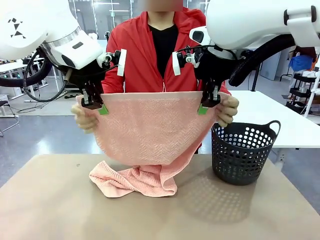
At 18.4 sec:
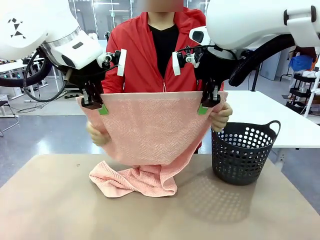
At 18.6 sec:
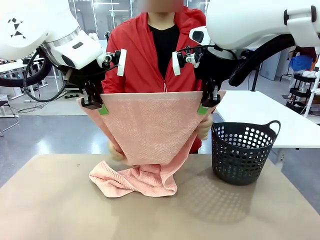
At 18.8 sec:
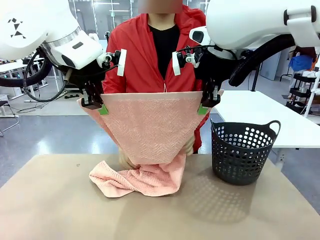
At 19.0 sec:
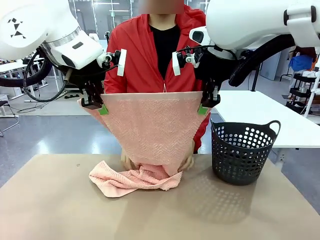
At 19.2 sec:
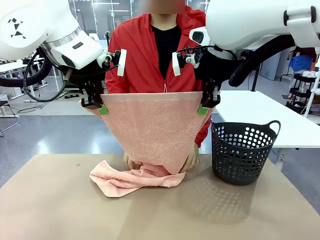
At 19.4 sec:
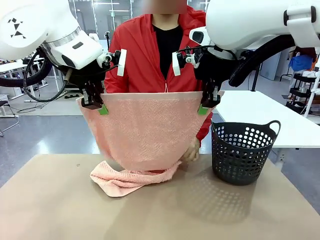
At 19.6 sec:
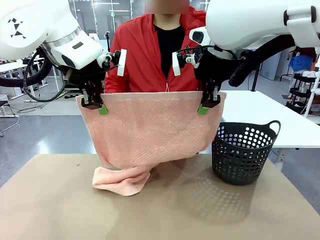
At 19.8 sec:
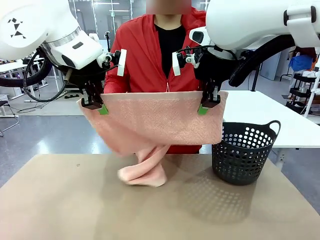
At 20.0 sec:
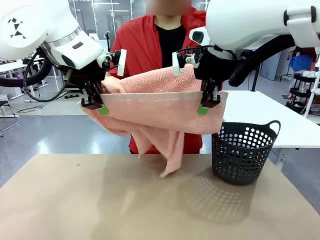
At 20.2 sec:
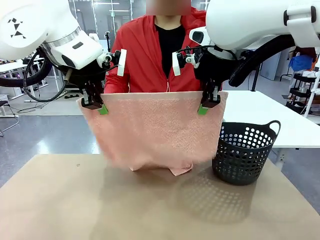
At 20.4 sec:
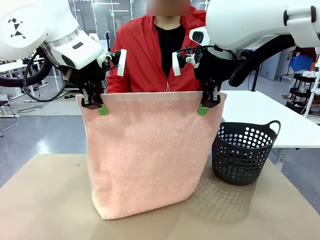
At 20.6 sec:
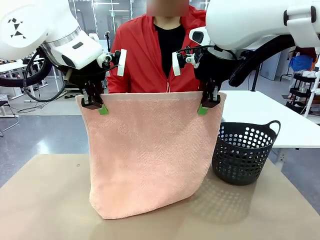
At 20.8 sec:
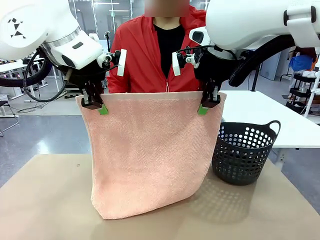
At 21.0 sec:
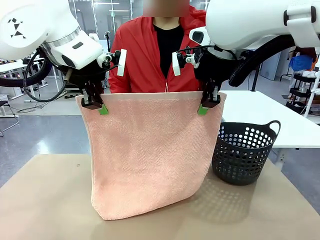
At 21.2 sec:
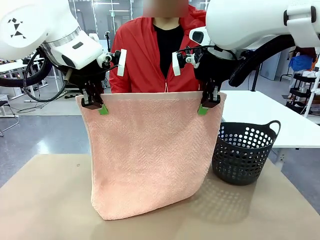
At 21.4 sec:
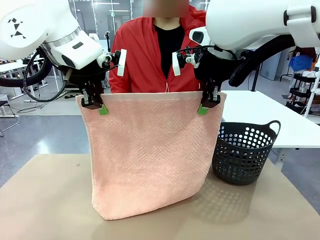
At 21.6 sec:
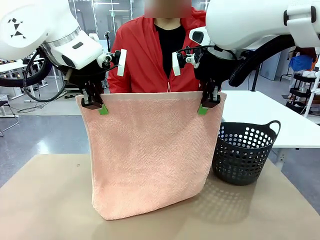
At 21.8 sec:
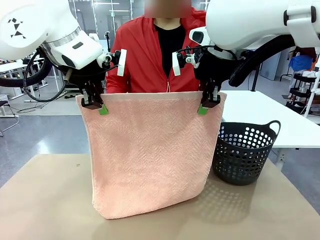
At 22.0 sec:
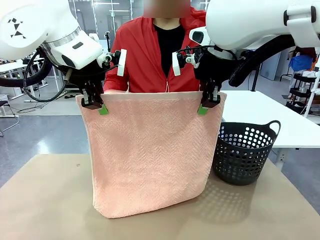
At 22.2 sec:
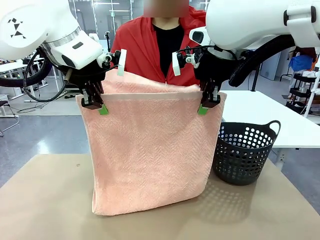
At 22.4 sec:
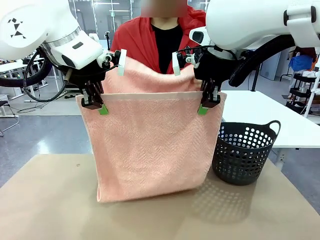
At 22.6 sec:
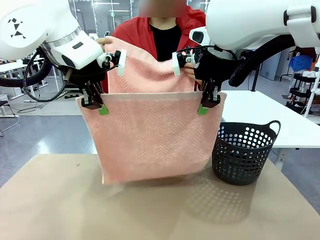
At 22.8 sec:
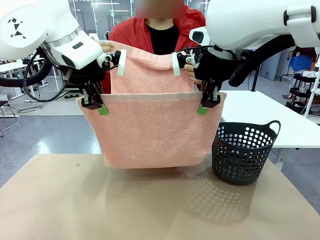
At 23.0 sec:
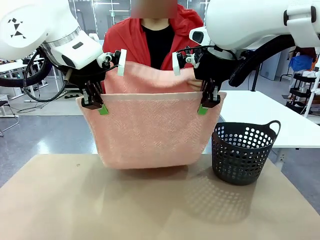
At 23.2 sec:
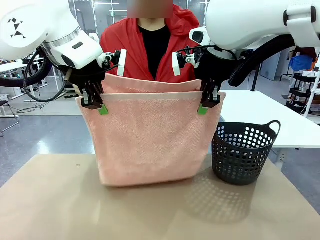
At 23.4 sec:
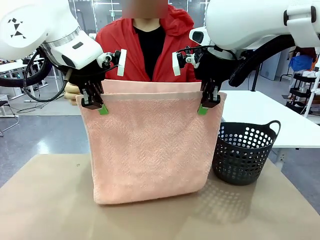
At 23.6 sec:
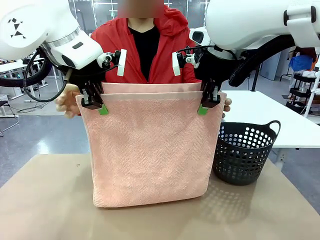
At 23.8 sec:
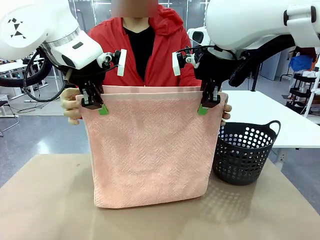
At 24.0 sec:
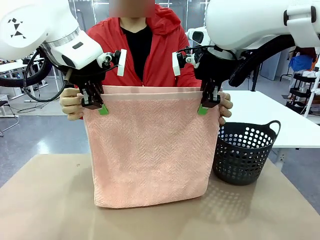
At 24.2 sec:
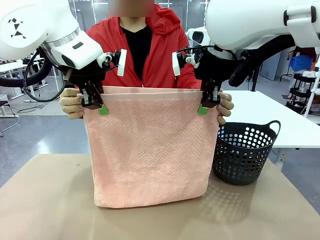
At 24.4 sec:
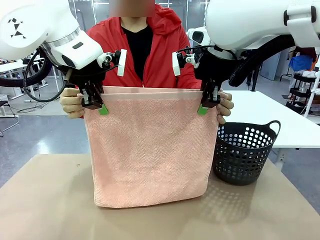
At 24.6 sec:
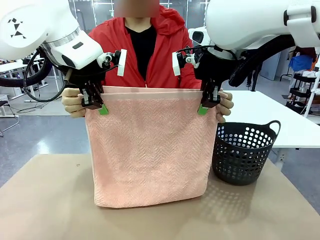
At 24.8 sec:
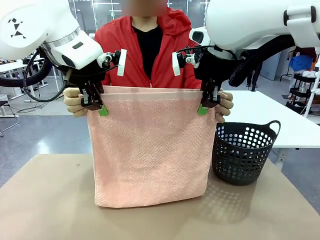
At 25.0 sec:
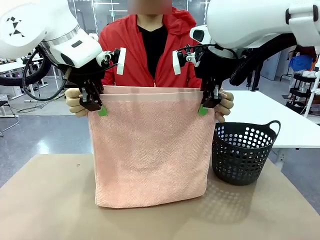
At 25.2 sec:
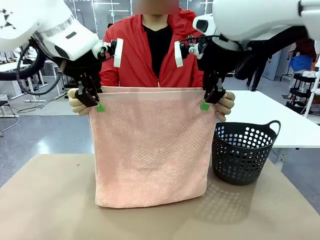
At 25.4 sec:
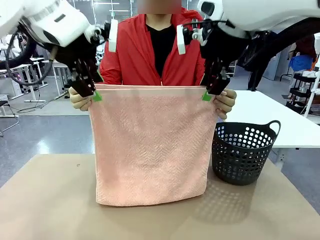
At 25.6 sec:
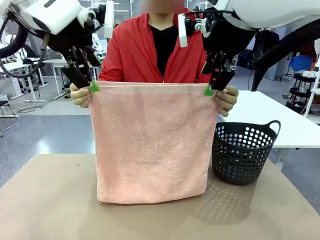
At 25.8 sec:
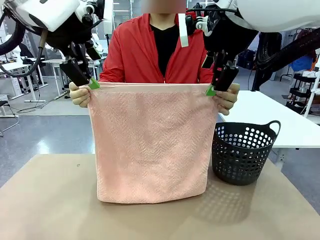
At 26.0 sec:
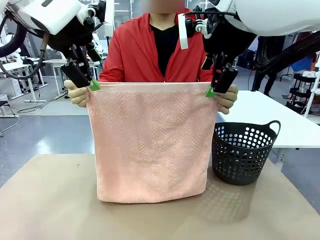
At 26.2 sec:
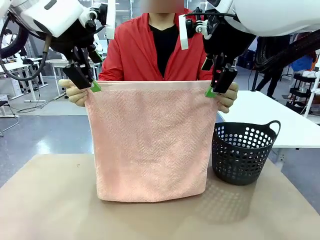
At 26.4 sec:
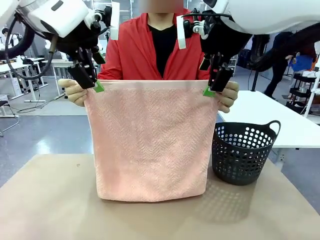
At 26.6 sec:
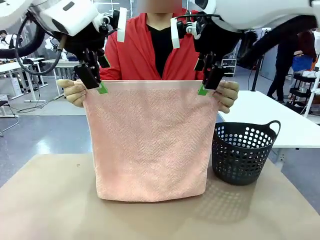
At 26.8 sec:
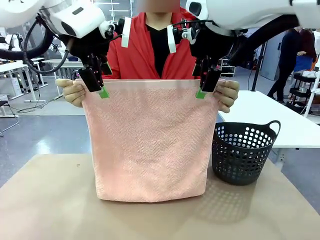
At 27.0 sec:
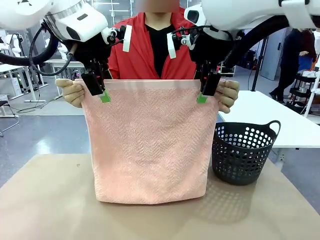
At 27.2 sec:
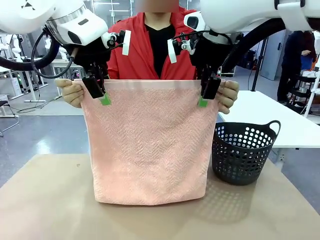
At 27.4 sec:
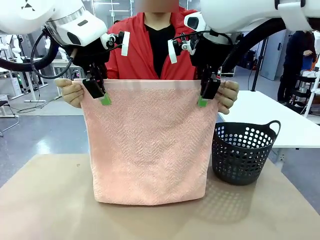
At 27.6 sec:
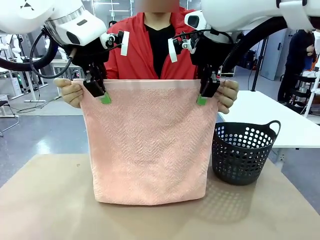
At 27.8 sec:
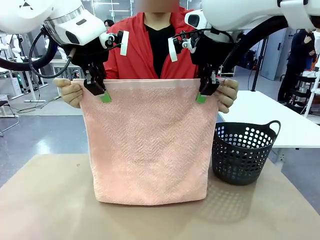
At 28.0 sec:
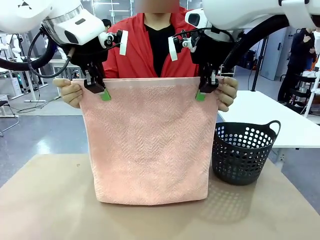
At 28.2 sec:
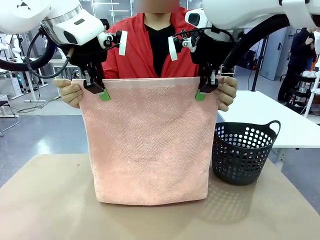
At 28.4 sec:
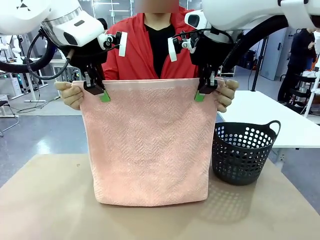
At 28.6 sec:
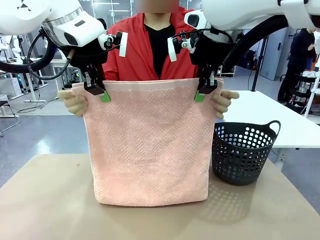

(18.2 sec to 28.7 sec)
Task: Fold the towel.
Robot: Release the end of the 100 cm Hotel Towel you were holding and grab the top end of the folded side.
Person: Using the point held by the robot as a reference, grasp the opposite end, fold the towel in half, and then hold both ends of the folded towel.

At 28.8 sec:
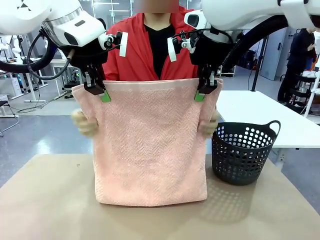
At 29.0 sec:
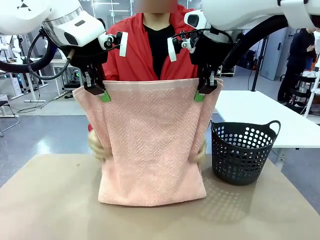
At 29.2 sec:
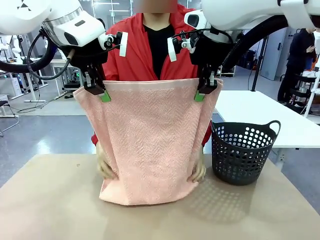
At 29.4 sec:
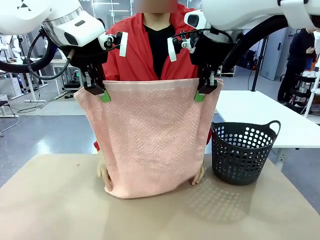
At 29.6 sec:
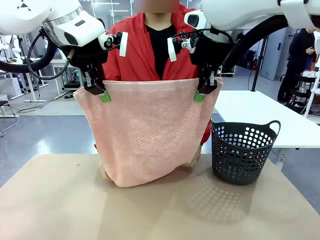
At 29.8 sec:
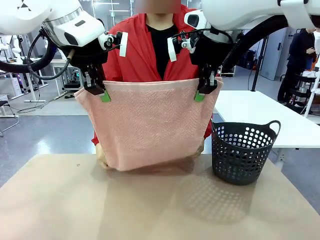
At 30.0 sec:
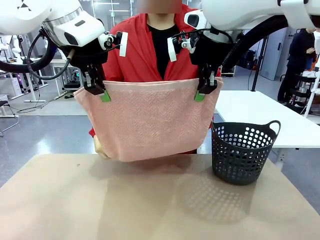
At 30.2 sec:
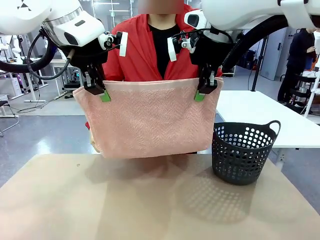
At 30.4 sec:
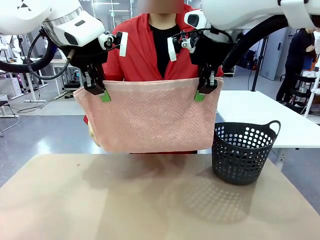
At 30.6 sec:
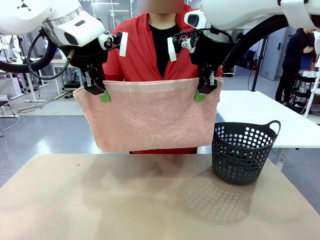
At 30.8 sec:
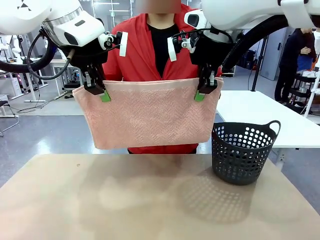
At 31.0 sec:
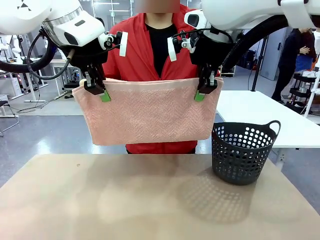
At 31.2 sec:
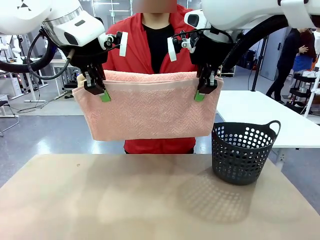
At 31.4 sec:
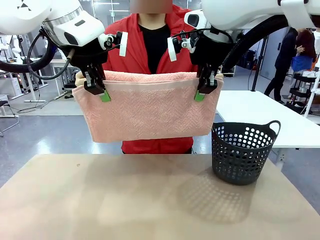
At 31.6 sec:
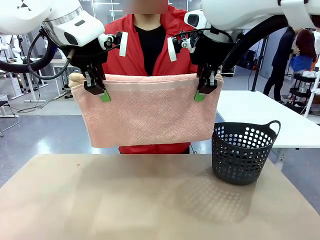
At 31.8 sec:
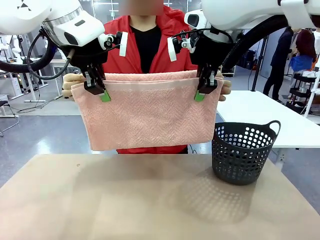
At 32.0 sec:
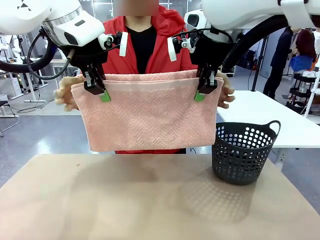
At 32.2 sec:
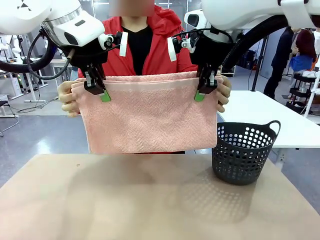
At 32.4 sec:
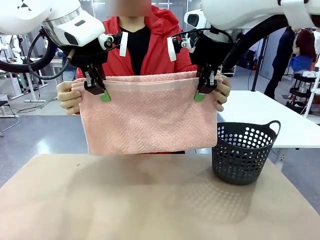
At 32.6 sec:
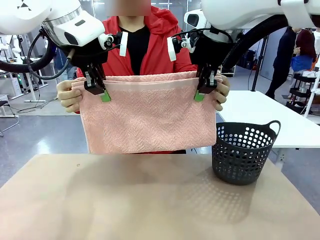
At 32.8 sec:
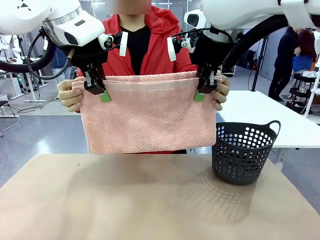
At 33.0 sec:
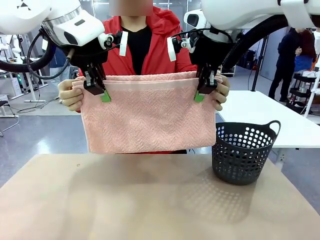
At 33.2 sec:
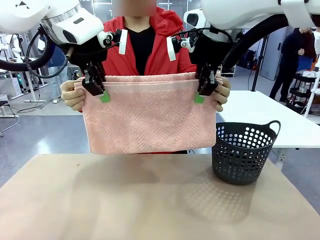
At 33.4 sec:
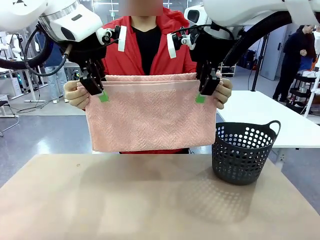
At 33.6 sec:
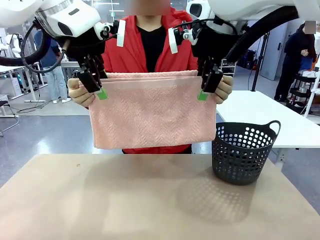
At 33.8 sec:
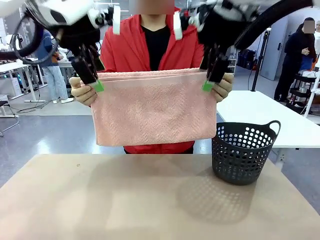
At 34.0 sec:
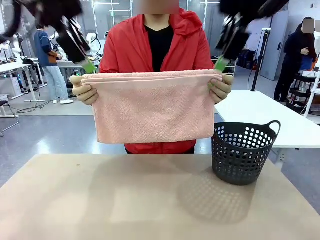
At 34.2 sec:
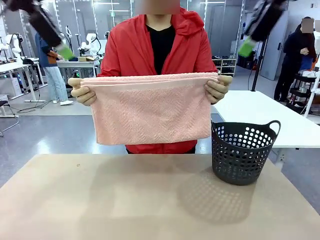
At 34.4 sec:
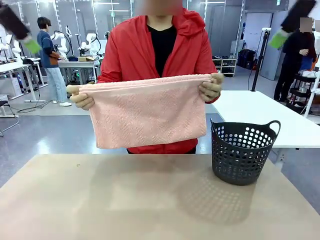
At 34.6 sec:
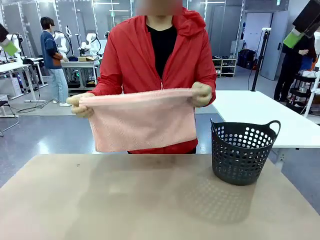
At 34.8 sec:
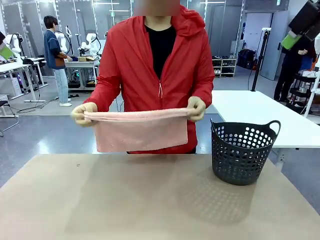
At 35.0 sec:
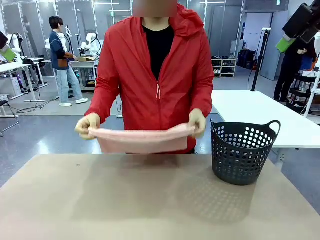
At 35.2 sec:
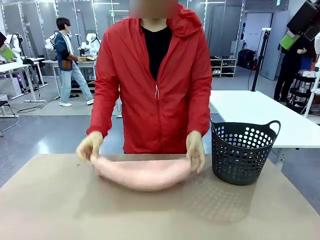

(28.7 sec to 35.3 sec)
Robot: Release the end of the 100 cm Hotel Towel you were holding.
